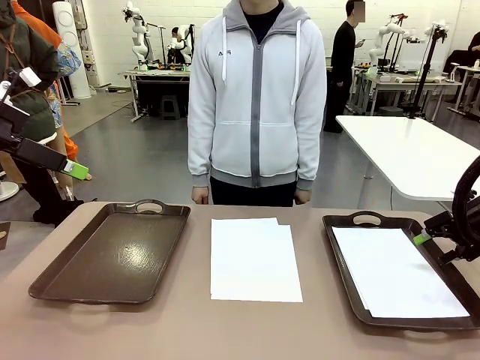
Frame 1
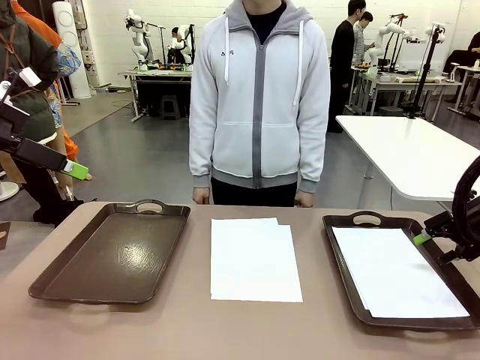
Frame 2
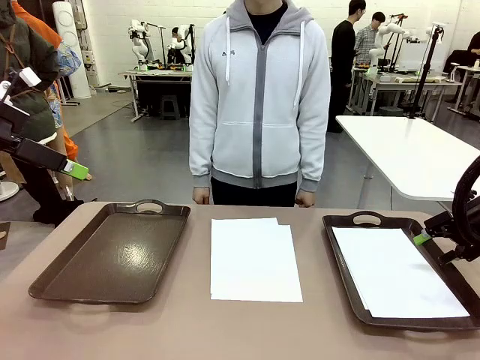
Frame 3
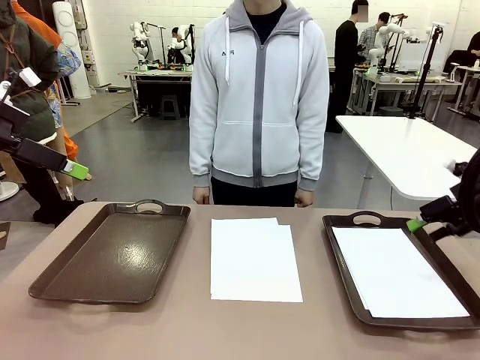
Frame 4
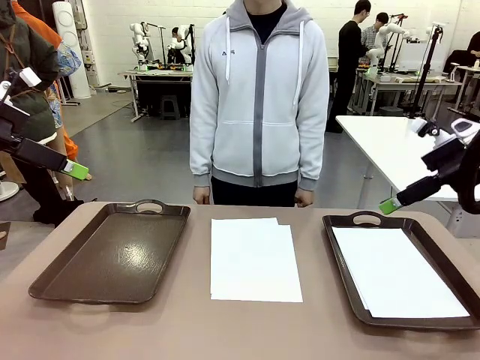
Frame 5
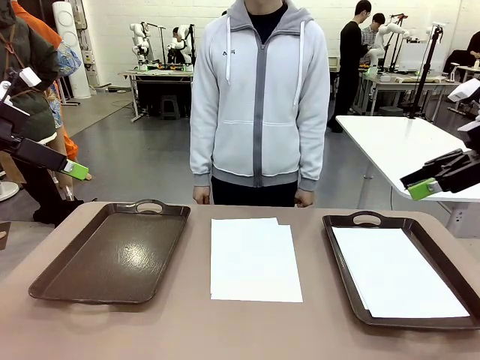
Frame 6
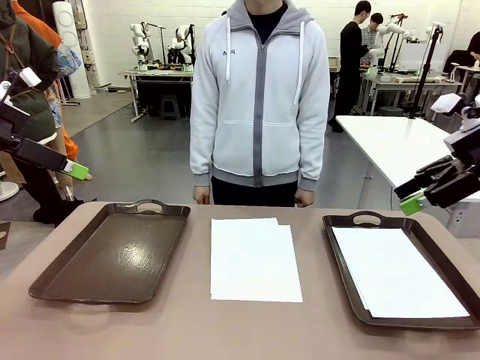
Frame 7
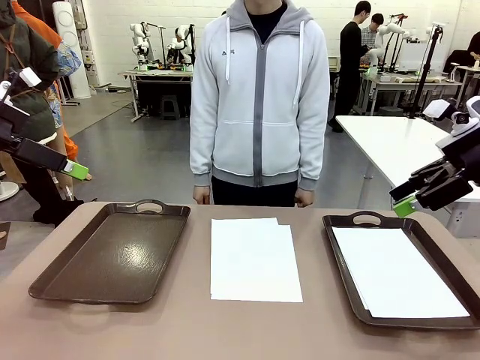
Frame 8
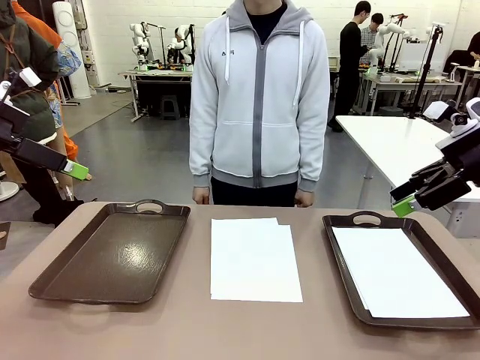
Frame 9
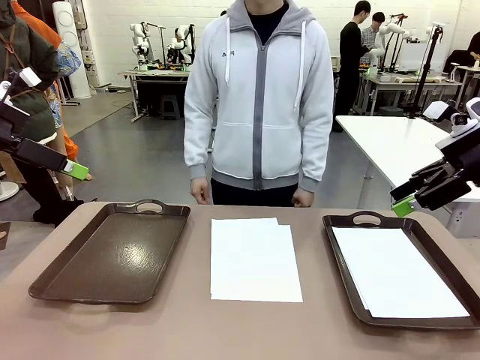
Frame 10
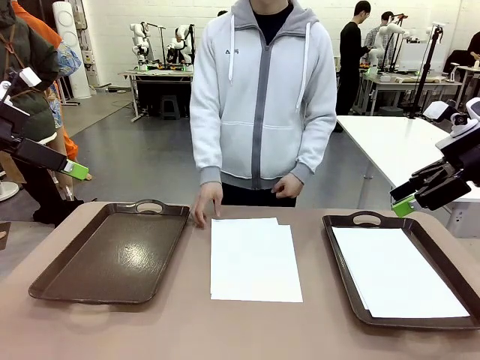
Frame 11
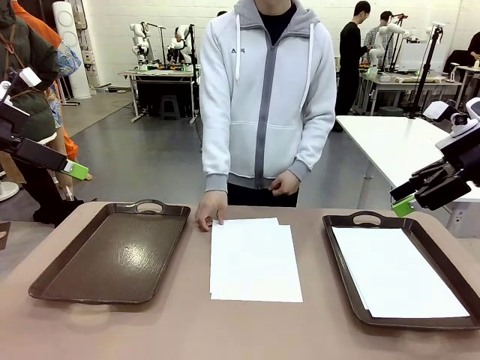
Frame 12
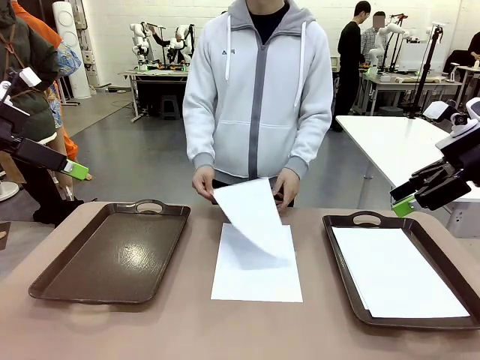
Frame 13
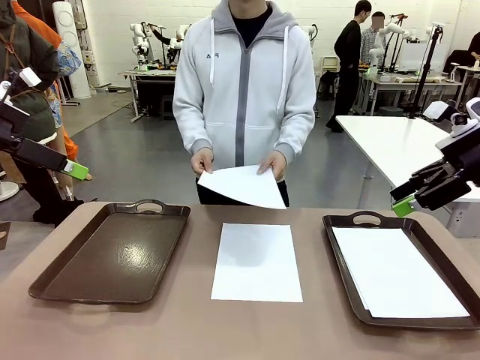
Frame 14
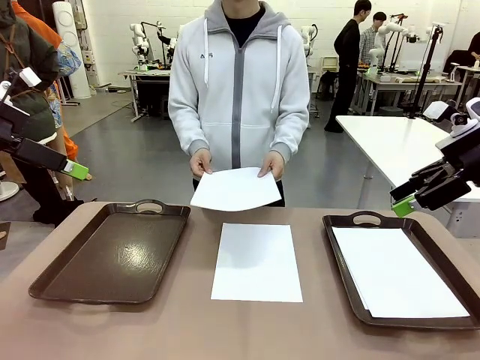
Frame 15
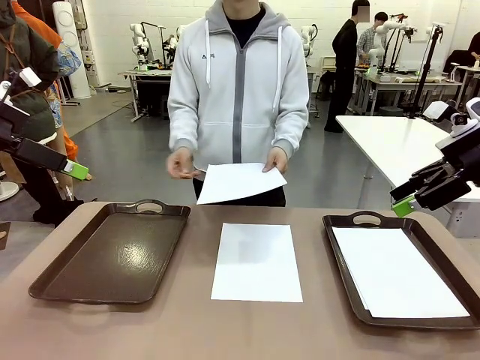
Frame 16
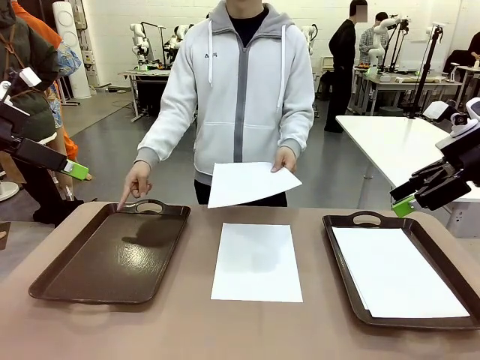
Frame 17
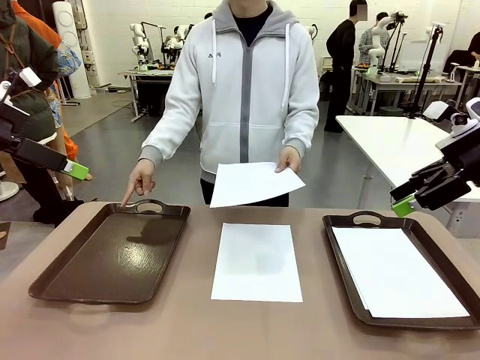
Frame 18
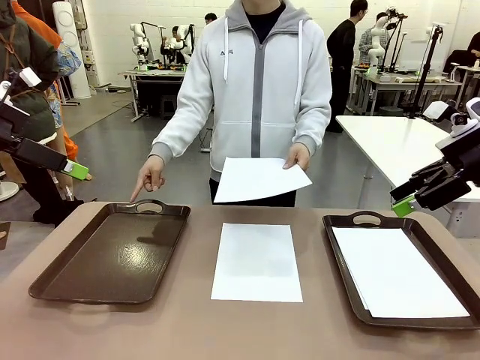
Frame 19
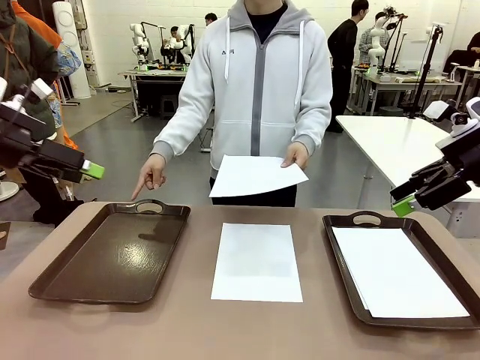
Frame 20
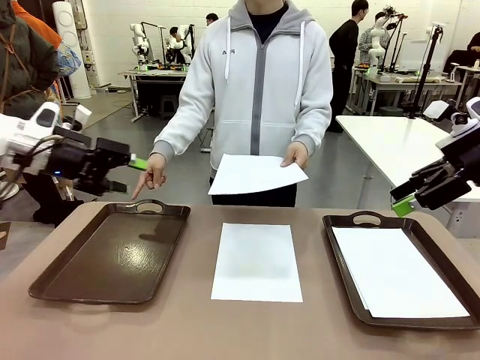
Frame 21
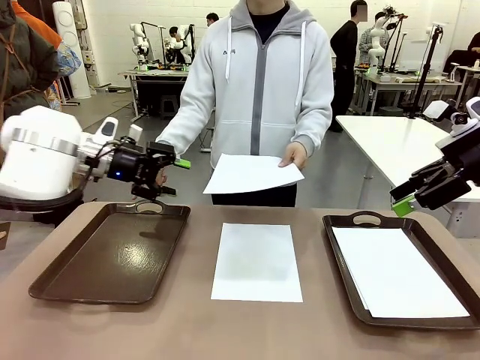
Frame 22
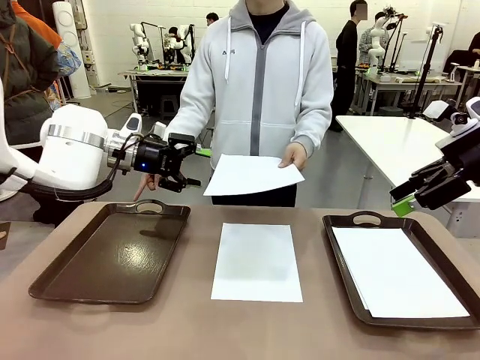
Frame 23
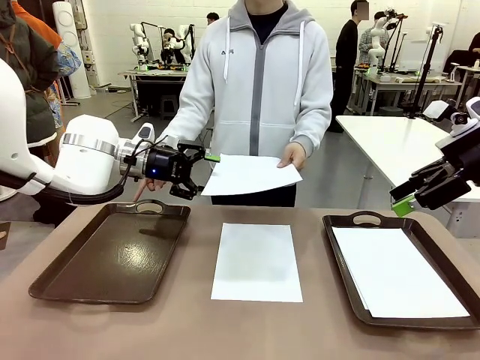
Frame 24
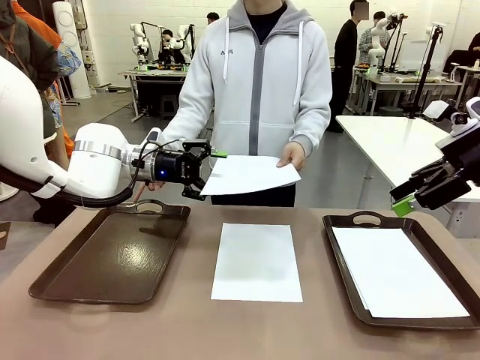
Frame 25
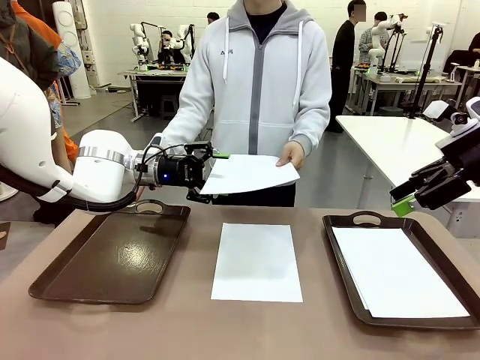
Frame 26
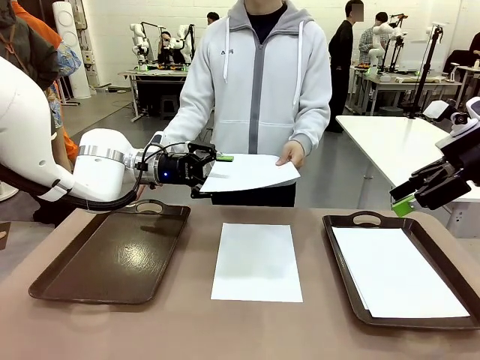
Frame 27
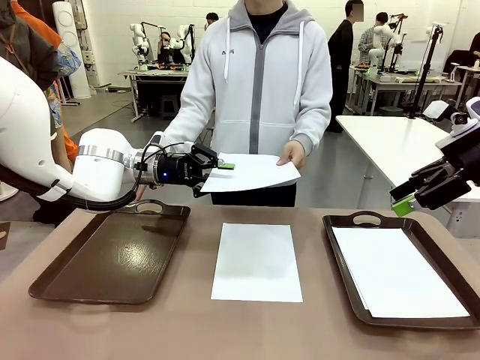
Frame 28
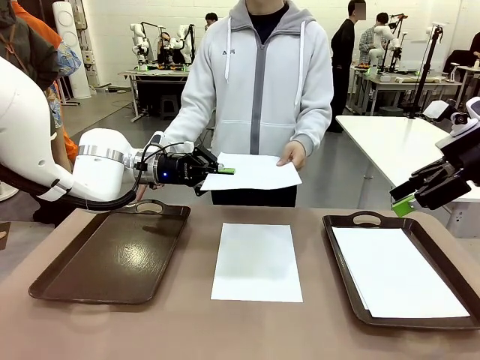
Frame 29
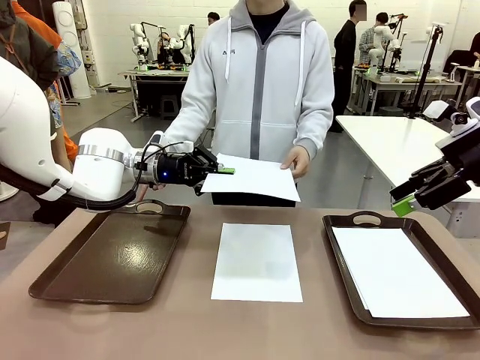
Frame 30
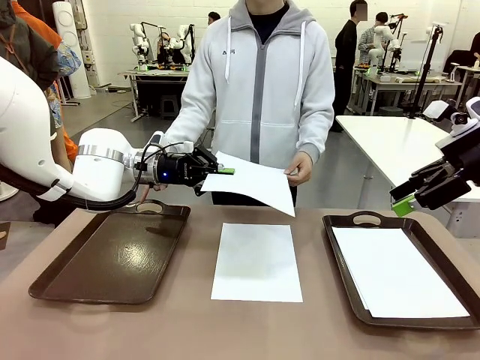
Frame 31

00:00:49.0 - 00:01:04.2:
Task: Sort the A4 documents.
Robot: Receive the A4 Paper.
Person: Point the randomly selected tray with the other hand.

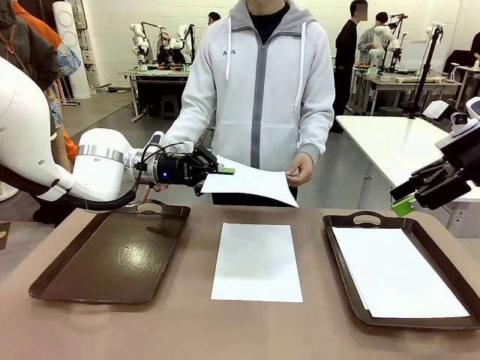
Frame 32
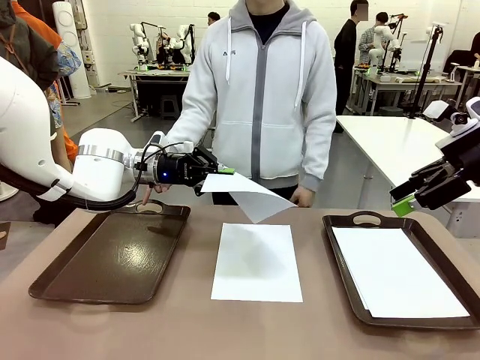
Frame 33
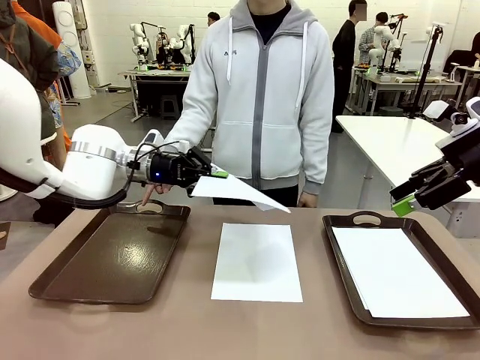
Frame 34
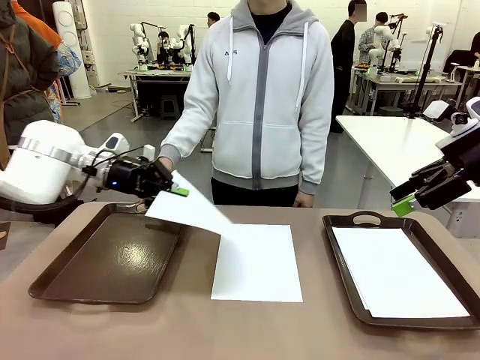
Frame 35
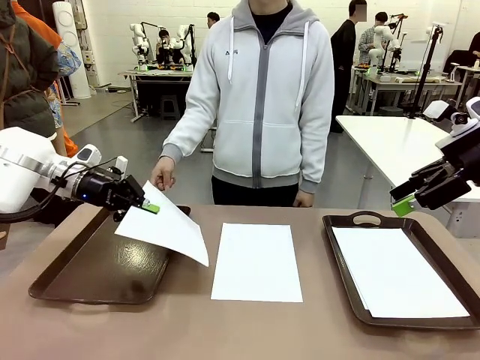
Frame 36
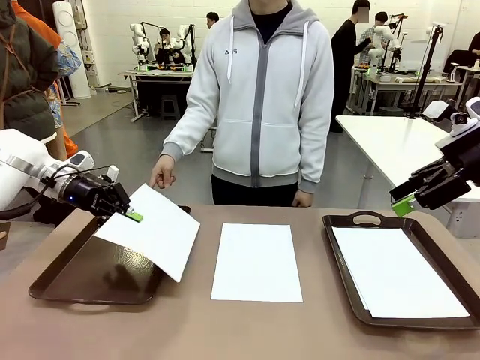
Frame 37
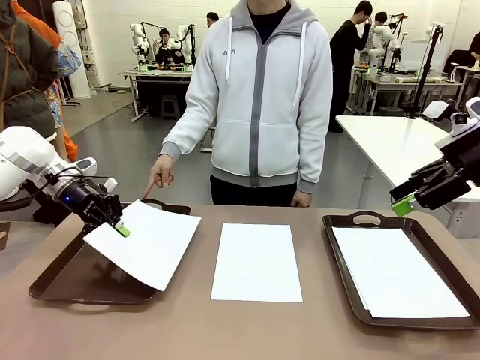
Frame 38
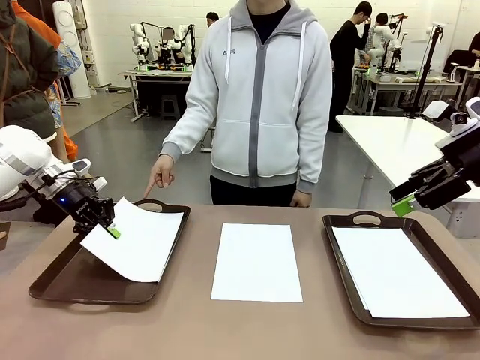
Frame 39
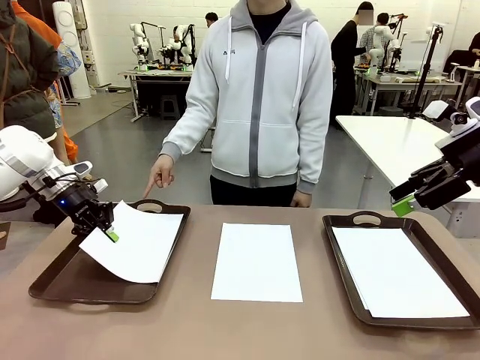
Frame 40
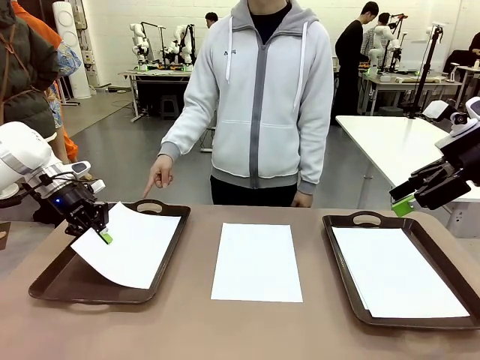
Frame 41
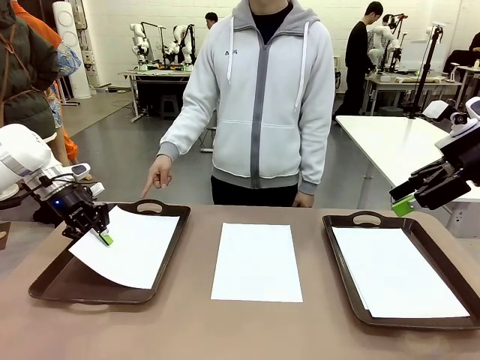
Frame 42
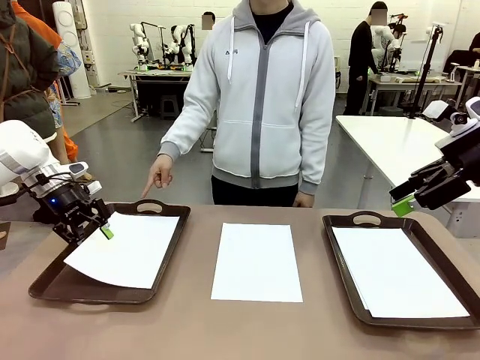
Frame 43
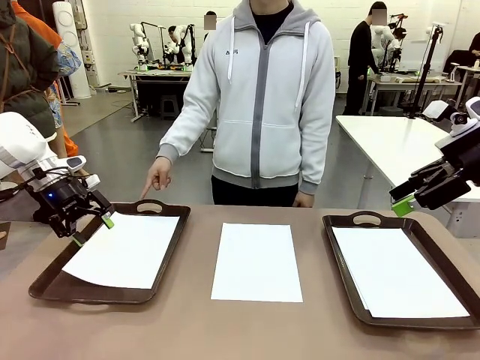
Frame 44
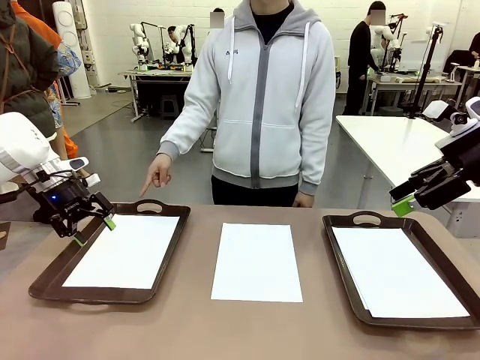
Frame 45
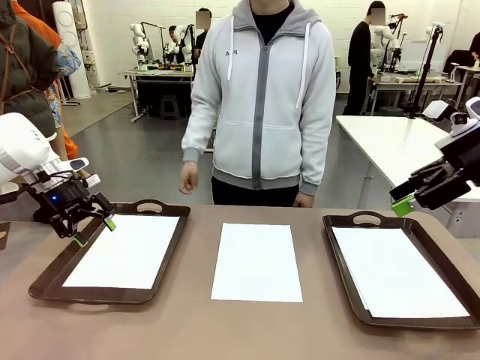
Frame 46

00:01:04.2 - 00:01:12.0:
Robot: Place the A4 Paper in the designated Handle tray.

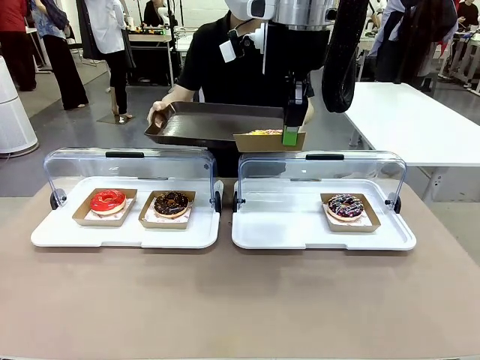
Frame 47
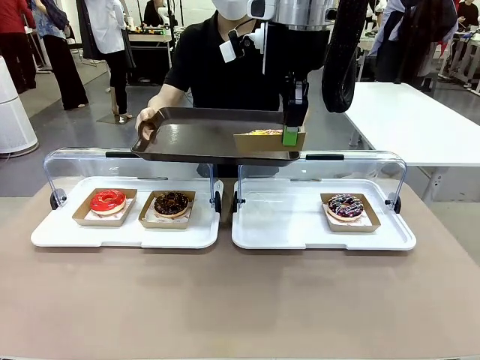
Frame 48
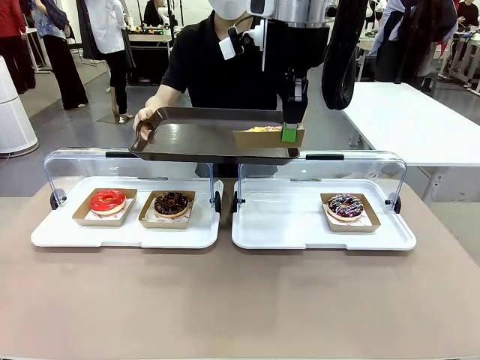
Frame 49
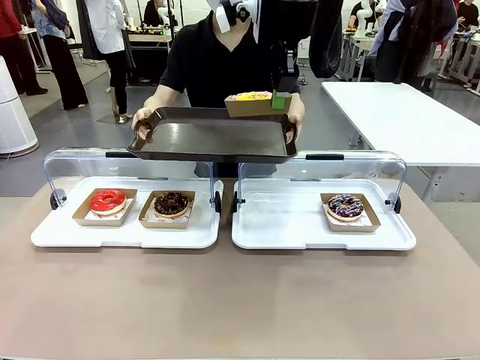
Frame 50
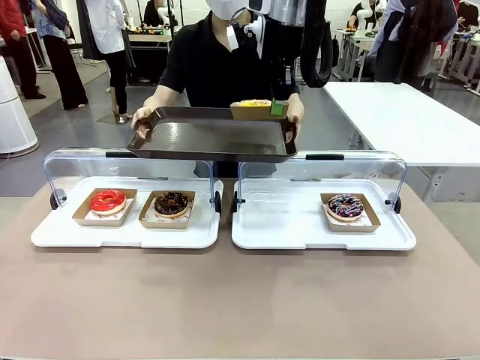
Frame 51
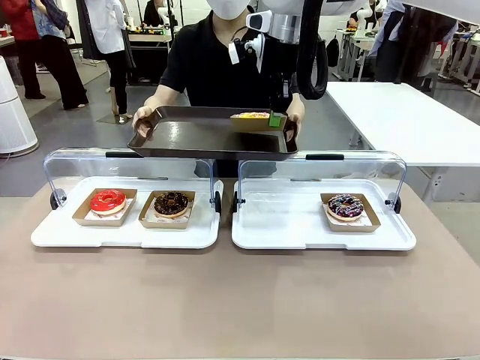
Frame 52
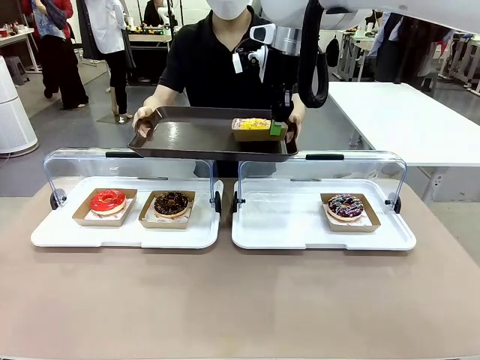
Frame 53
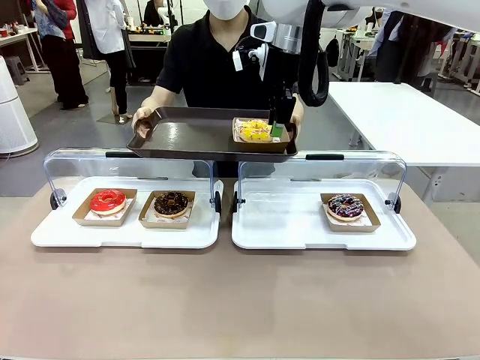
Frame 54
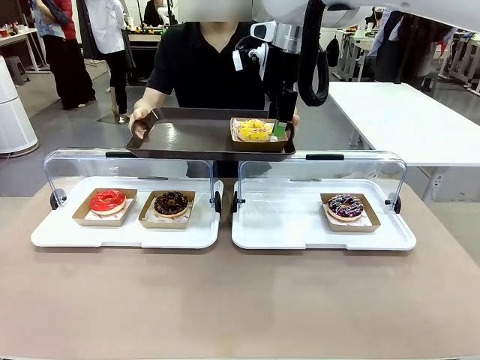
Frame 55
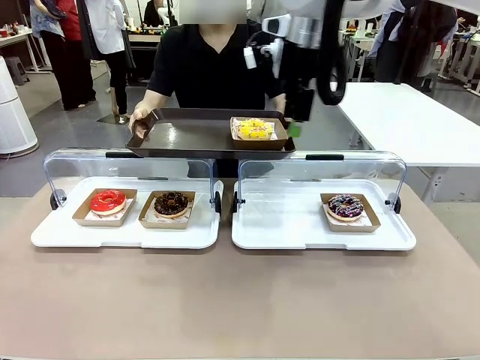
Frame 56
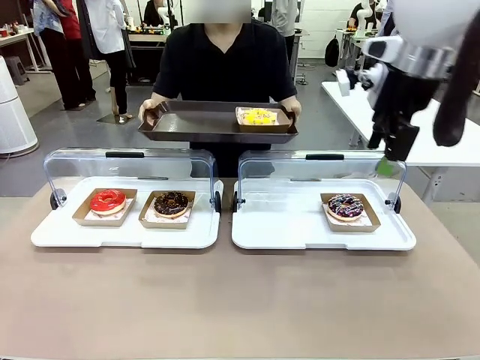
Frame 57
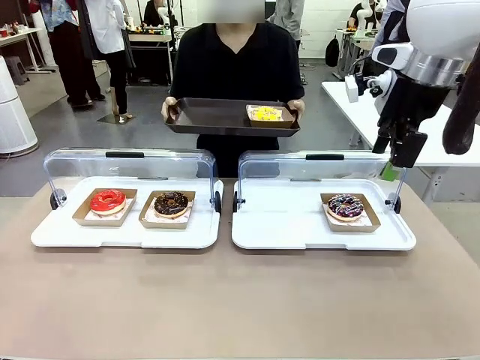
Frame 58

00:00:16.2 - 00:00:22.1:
Task: Provide the desired donut to the person.
Robot: Place the picked Paper togo box onto the Handle tray extended by the person.
